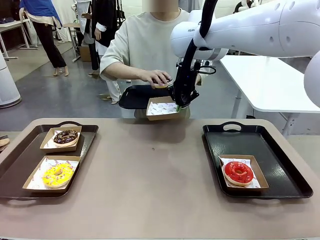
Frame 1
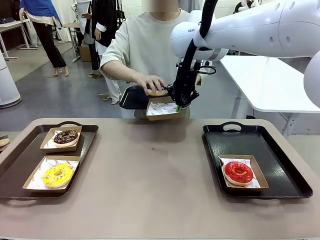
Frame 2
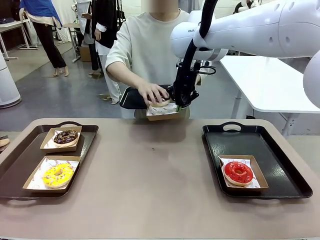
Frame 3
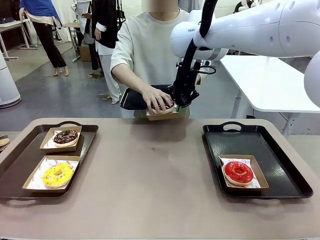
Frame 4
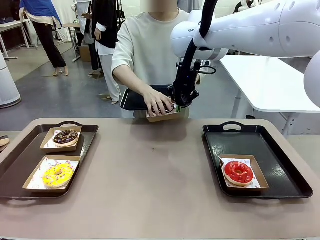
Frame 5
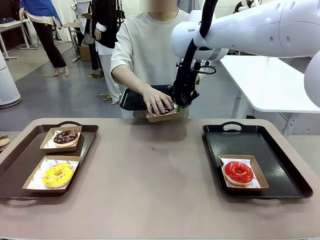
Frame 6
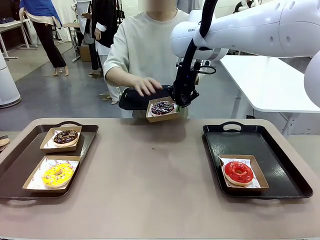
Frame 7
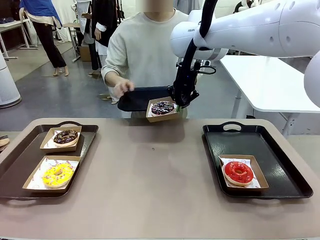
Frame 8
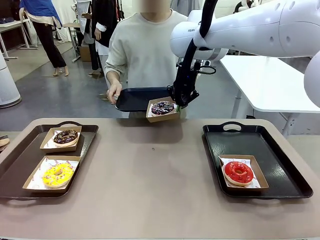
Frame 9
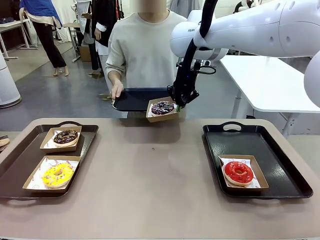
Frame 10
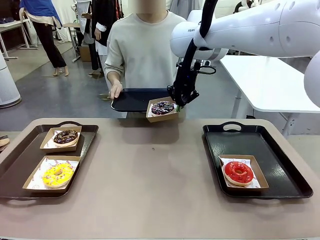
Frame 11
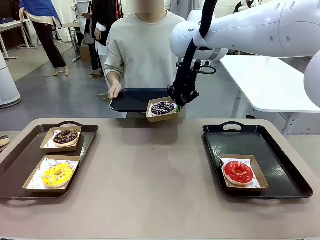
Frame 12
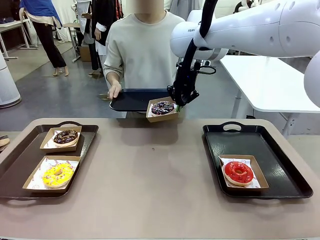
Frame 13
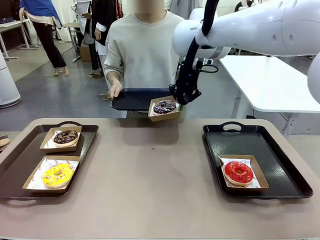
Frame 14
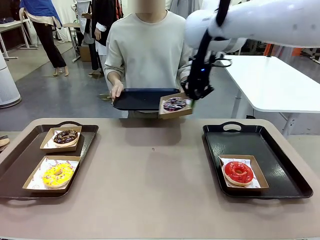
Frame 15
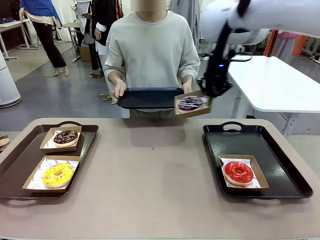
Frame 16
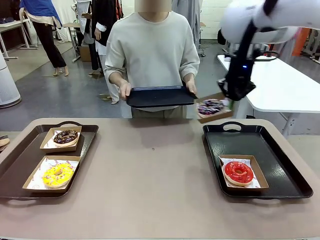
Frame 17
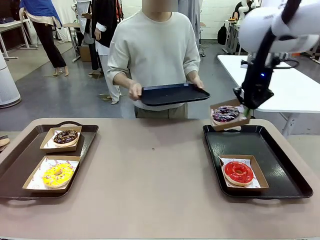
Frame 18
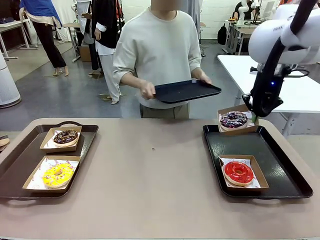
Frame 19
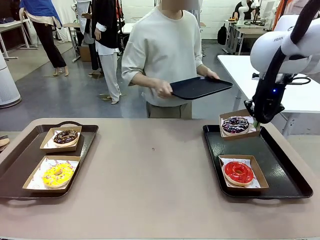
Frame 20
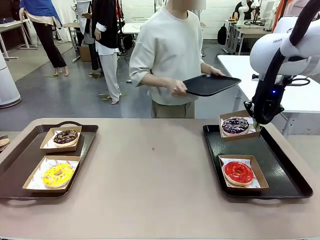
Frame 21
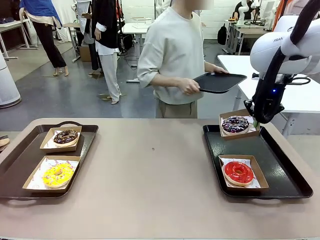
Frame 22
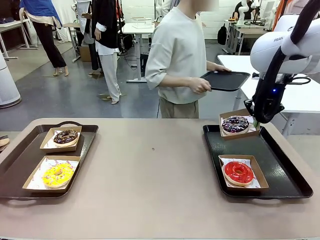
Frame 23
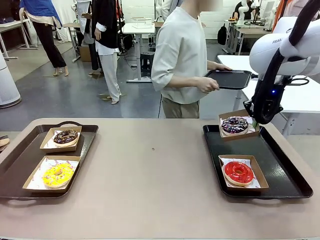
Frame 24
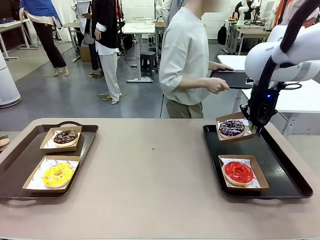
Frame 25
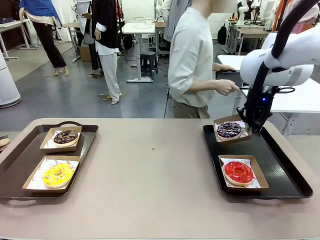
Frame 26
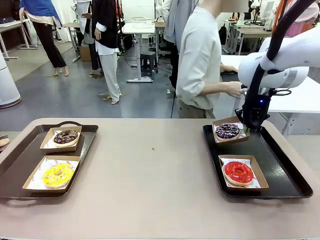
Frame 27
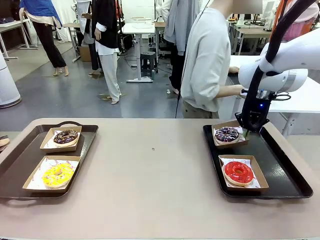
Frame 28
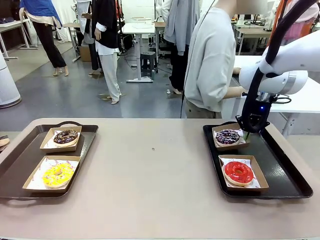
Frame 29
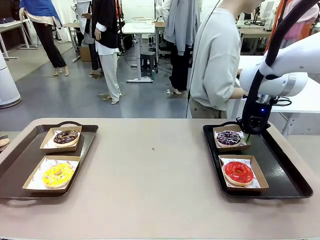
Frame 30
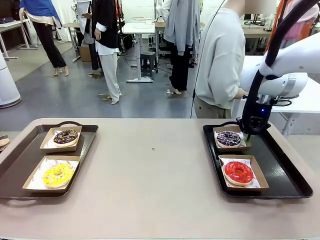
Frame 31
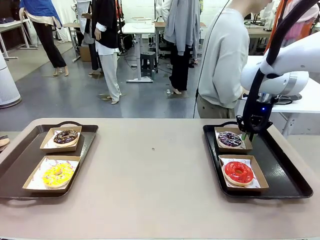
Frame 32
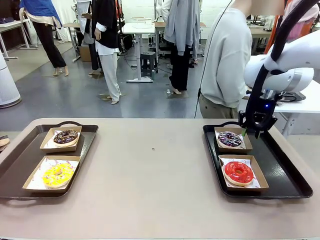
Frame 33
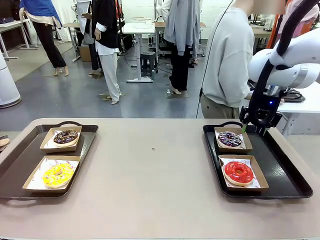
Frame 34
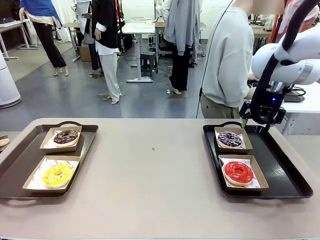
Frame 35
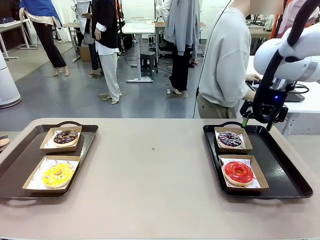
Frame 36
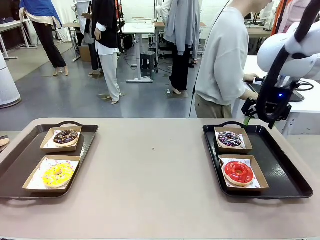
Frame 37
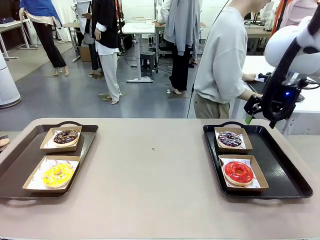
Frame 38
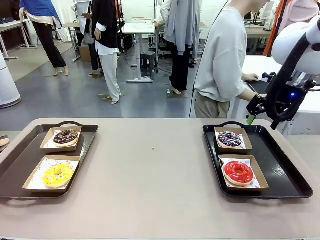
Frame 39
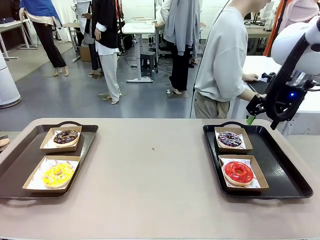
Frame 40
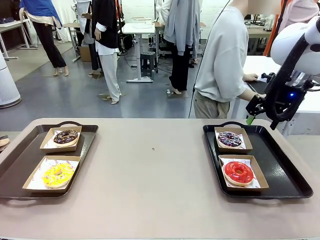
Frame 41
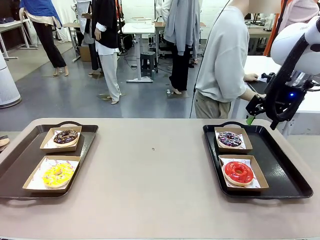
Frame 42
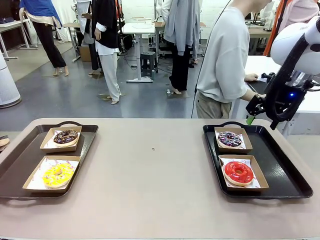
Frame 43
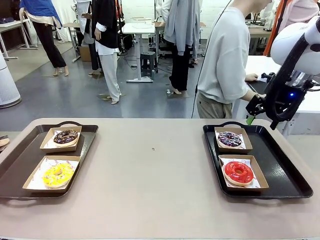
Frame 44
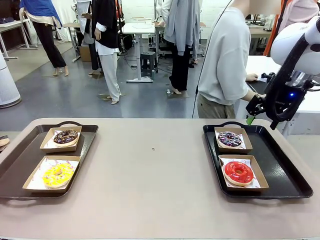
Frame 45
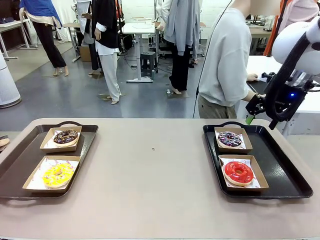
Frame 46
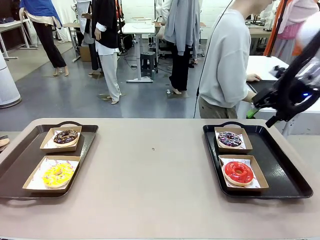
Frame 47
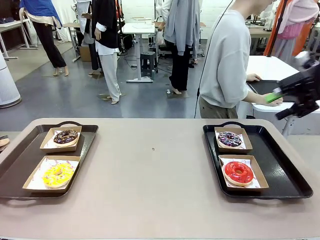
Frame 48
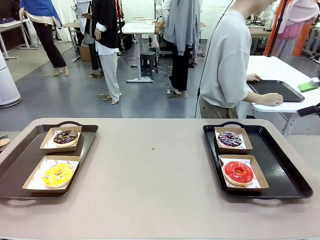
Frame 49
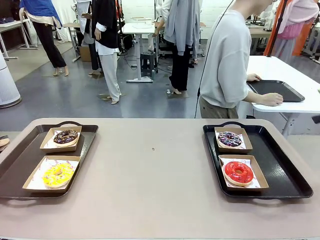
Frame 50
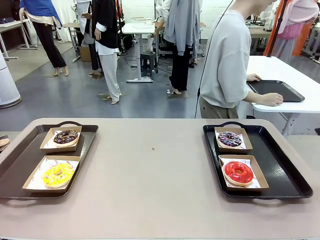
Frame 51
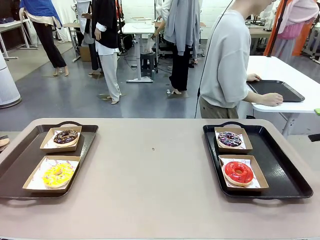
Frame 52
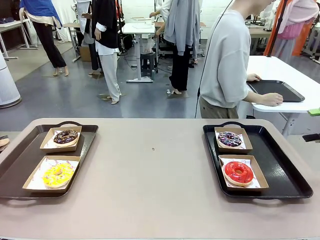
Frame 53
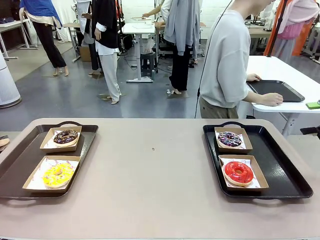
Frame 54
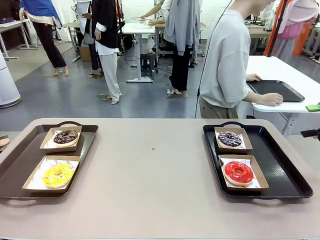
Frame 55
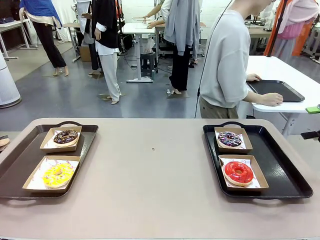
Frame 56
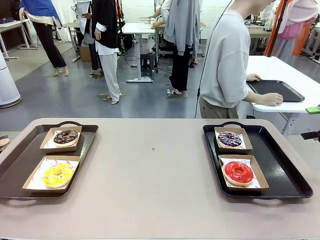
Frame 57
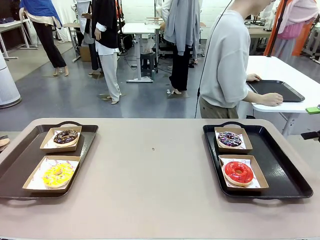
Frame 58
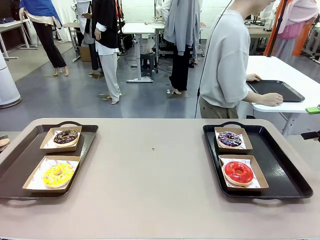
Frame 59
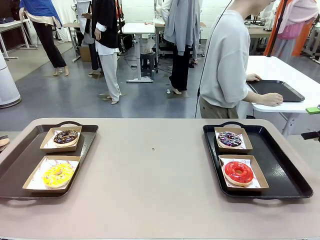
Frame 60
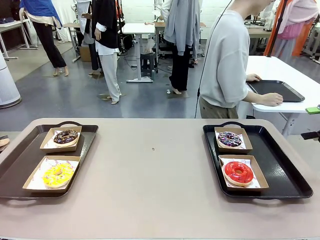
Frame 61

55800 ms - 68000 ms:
Task: Individually package the donuts and arrange them on the tray.
Robot: Place the picked Paper togo box on the Handle tray.
Person: Place the tray down in the middle of the human table.

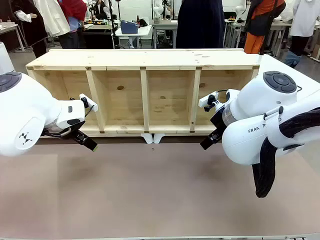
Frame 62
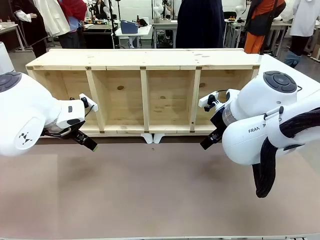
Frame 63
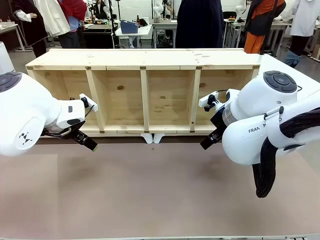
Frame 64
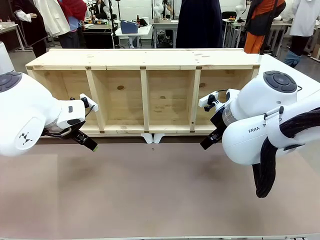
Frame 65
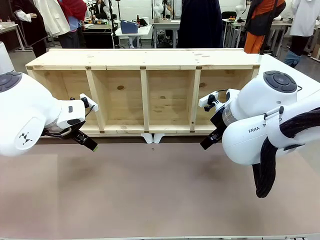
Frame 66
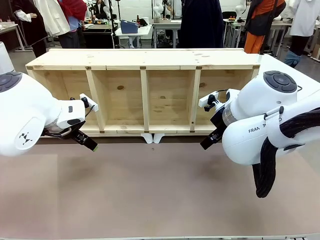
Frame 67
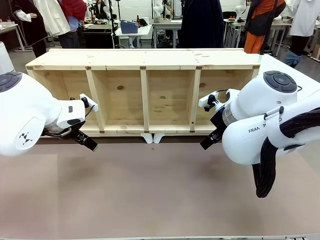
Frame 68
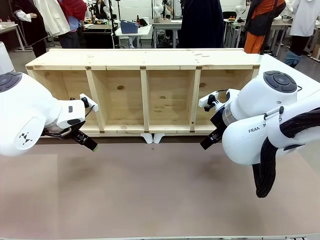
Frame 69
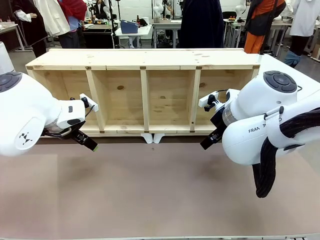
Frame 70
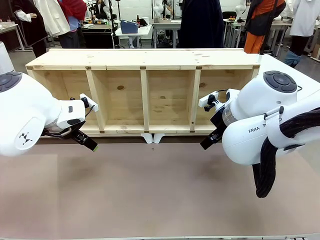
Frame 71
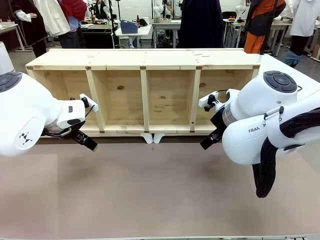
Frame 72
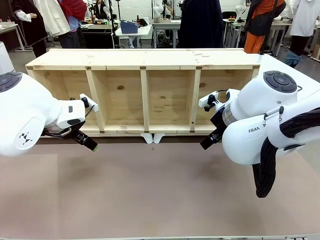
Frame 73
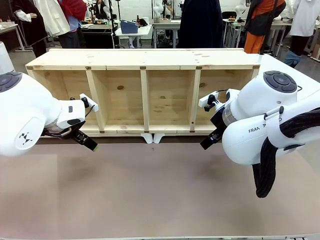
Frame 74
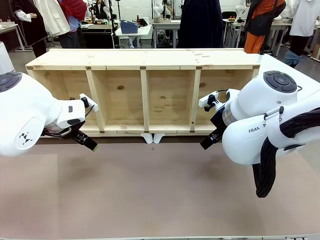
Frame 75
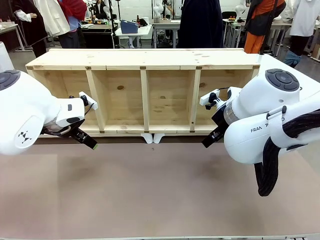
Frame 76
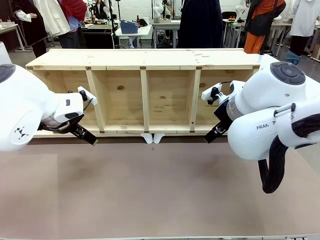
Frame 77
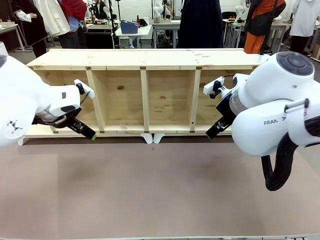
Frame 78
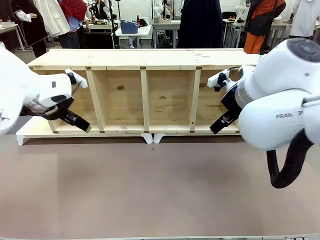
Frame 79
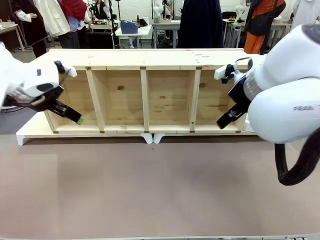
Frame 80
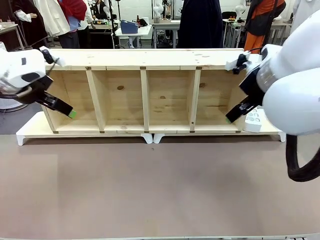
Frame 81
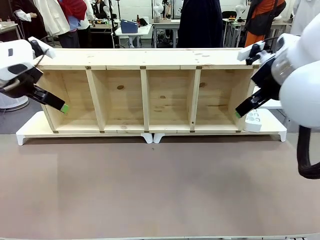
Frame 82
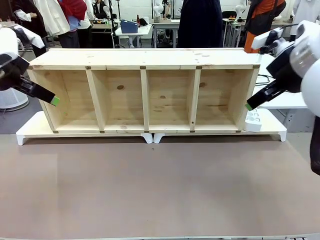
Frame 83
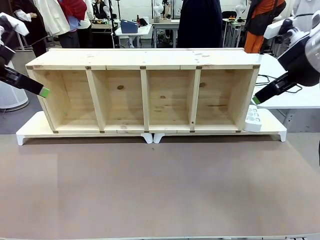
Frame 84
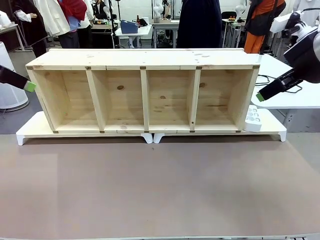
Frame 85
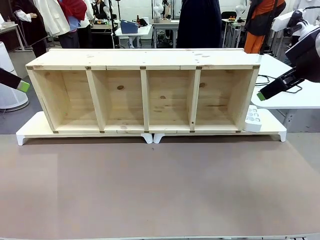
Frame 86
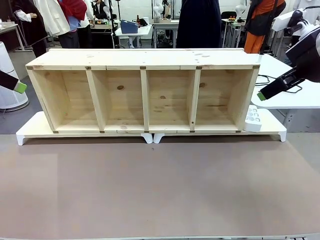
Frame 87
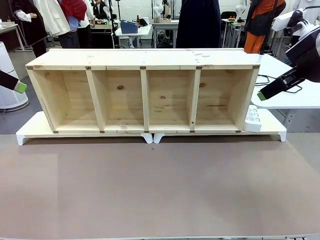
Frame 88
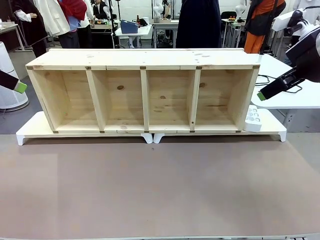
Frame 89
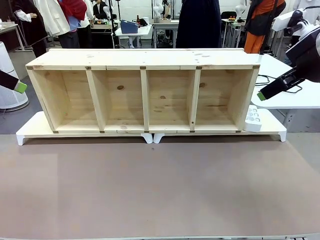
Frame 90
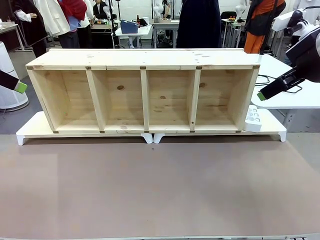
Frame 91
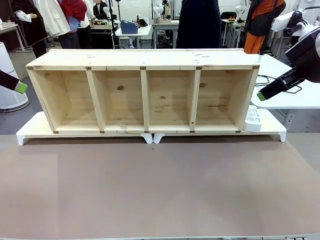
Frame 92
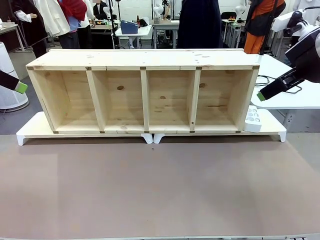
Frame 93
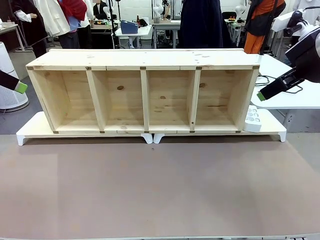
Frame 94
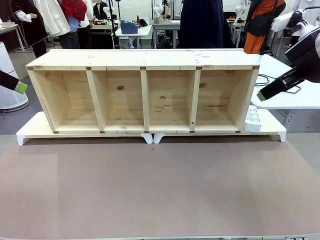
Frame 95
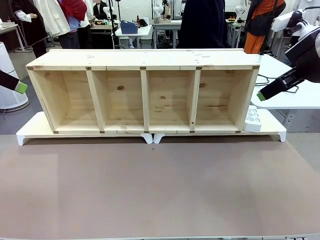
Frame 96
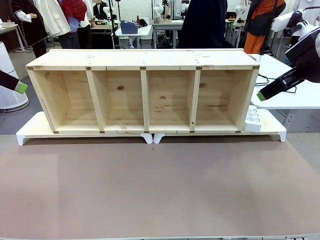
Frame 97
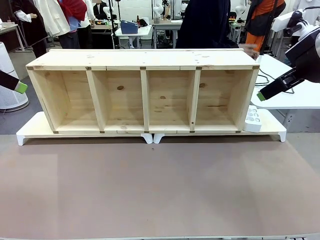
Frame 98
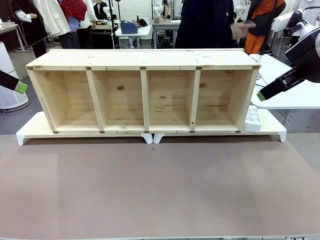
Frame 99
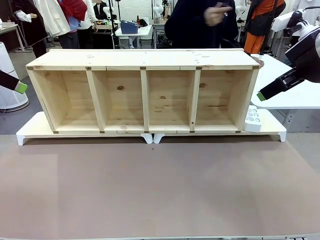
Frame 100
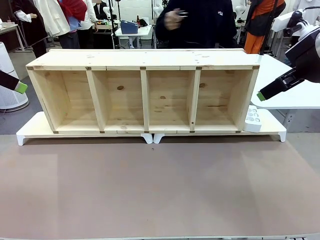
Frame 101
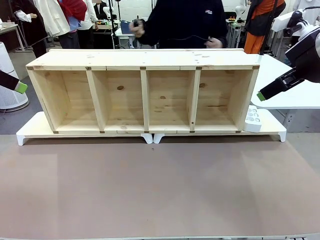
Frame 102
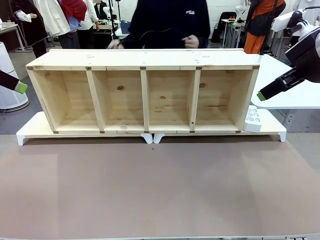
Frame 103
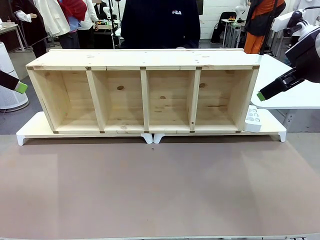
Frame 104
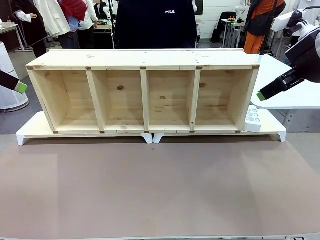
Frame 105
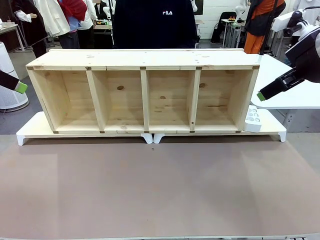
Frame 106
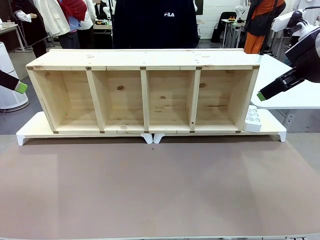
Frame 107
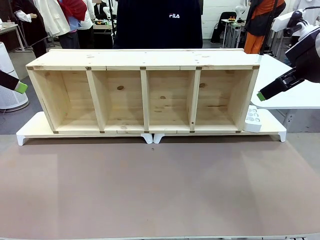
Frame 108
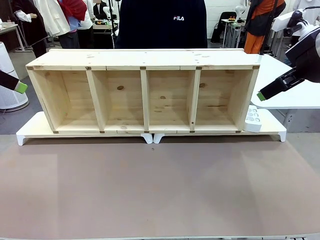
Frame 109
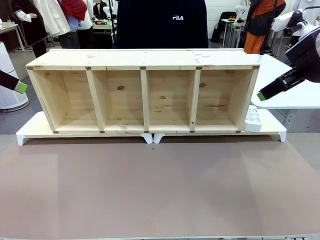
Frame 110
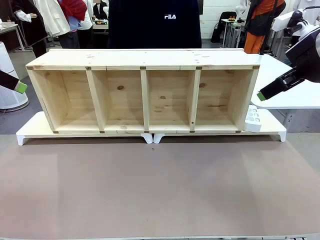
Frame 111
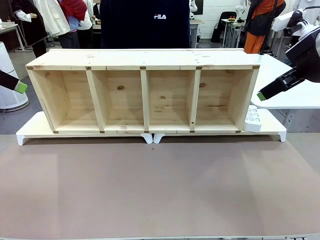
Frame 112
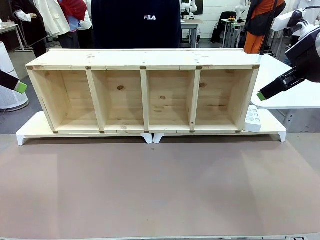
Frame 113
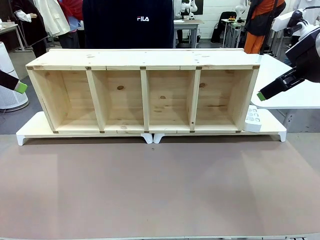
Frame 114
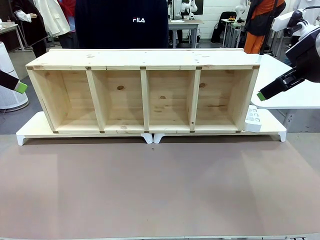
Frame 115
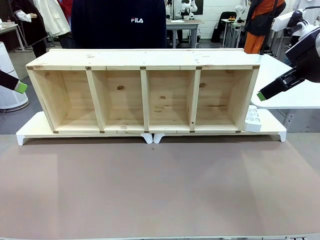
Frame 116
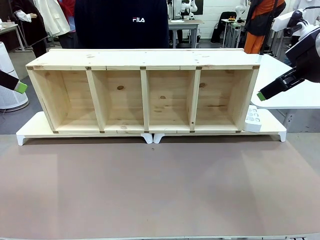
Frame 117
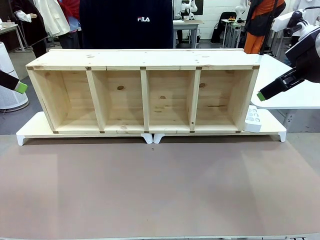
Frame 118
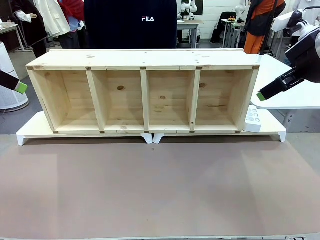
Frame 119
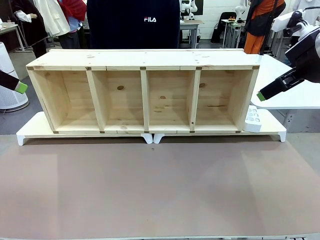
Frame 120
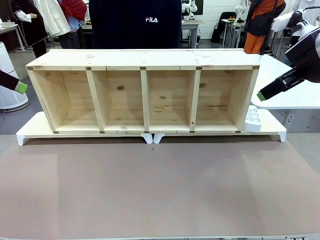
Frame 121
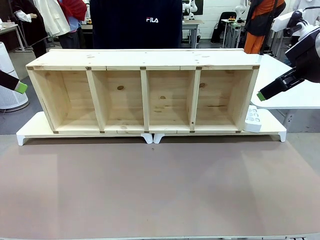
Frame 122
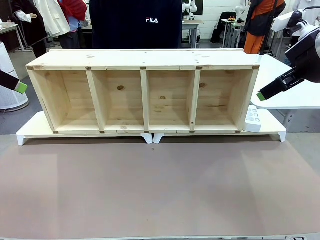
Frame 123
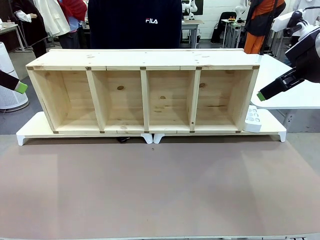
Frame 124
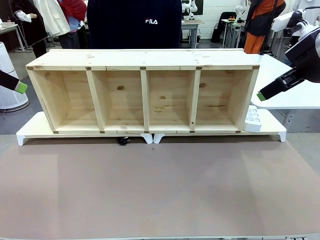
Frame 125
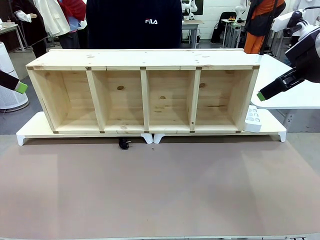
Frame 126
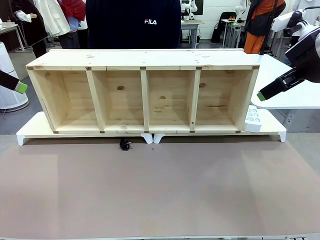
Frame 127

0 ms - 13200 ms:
Task: Perform cable management.
Robot: When the cord part of the Power Cable appears at the lower middle area of the table and stops, grasp the cord part of the Power Cable.
Person: Pass the Power Cable under the Serving Table.
